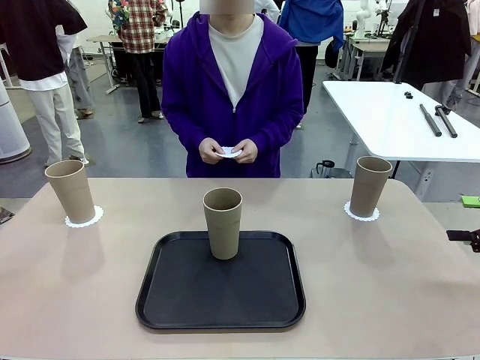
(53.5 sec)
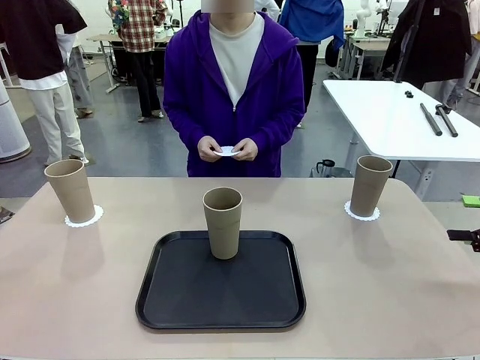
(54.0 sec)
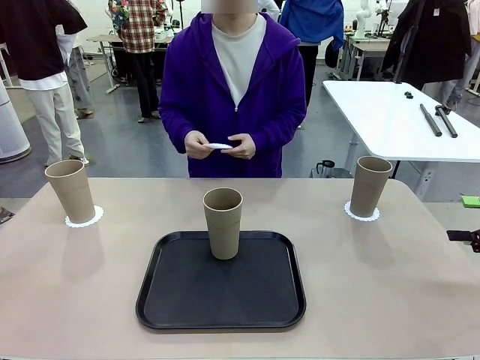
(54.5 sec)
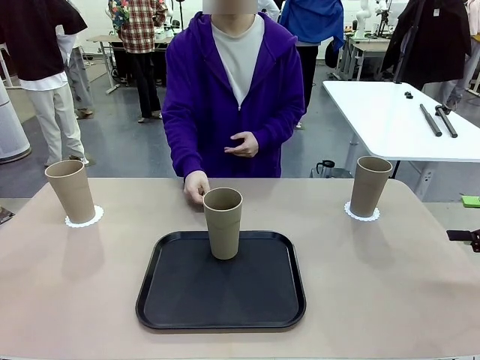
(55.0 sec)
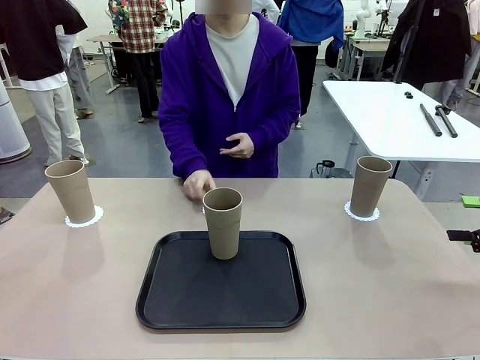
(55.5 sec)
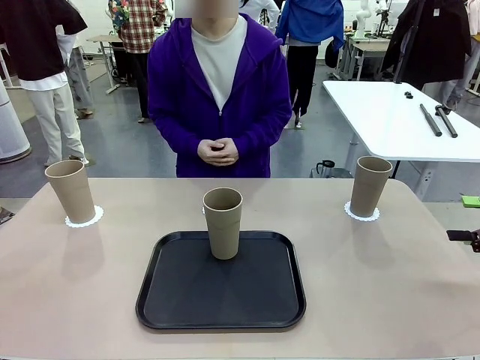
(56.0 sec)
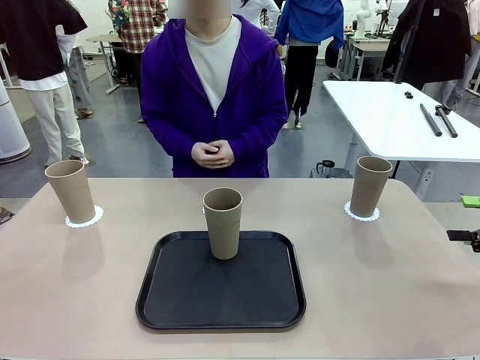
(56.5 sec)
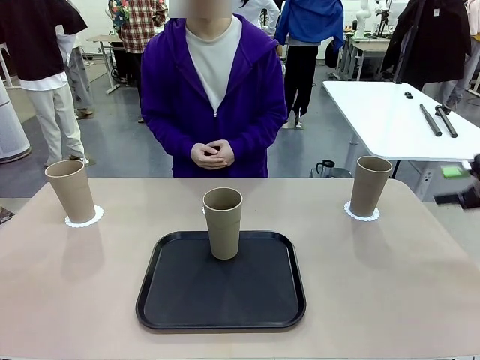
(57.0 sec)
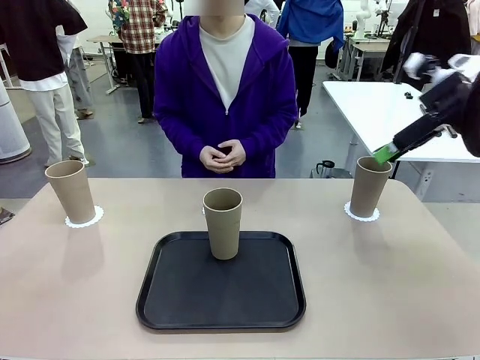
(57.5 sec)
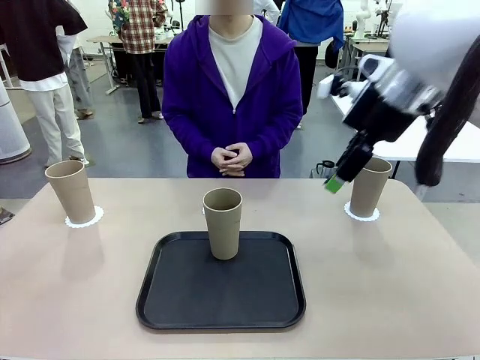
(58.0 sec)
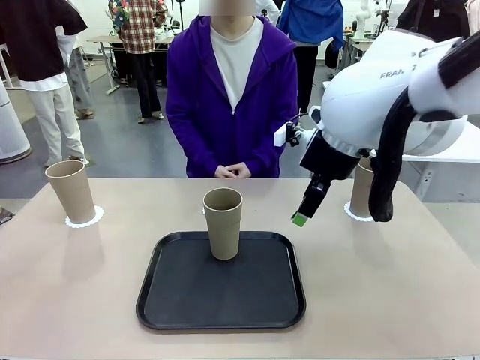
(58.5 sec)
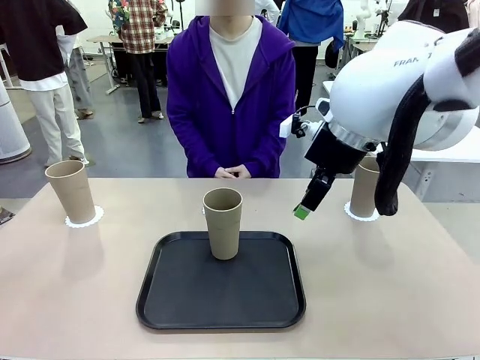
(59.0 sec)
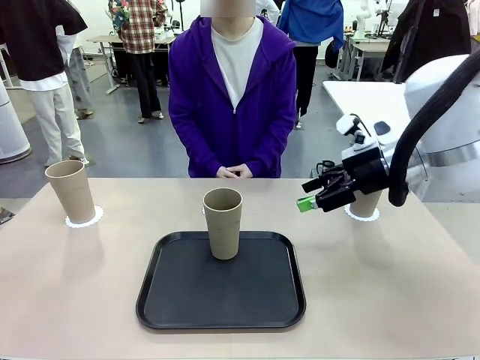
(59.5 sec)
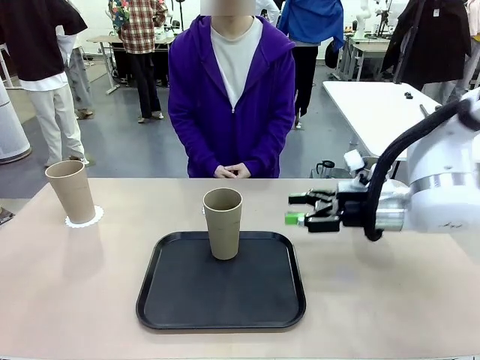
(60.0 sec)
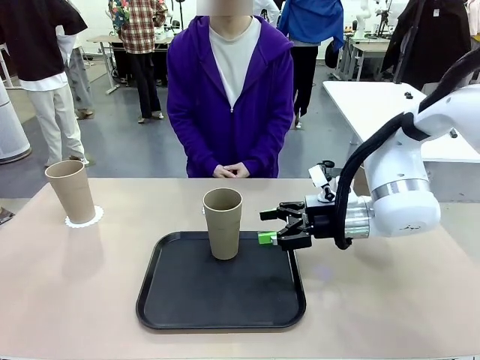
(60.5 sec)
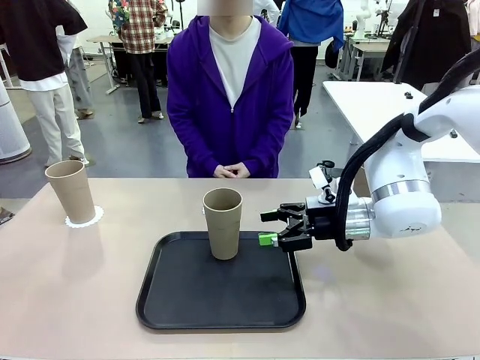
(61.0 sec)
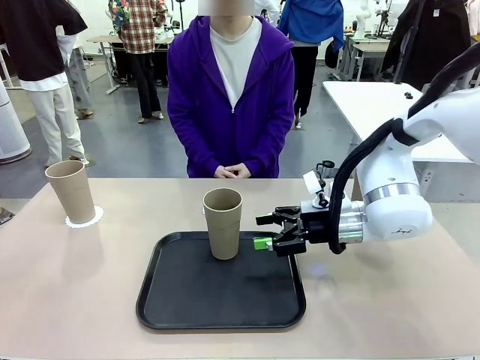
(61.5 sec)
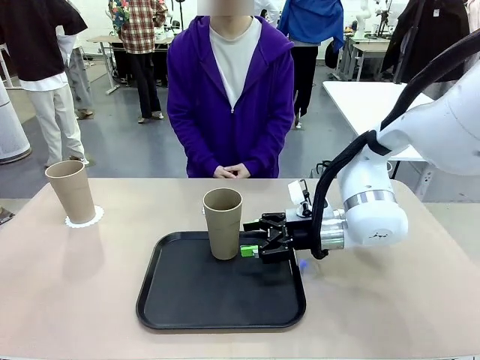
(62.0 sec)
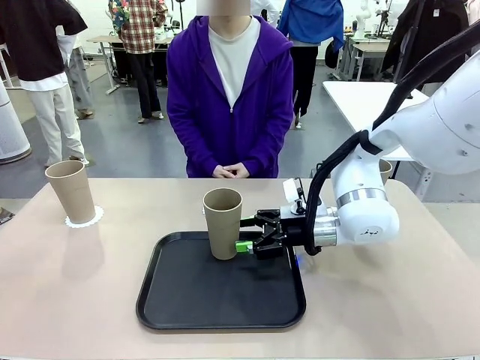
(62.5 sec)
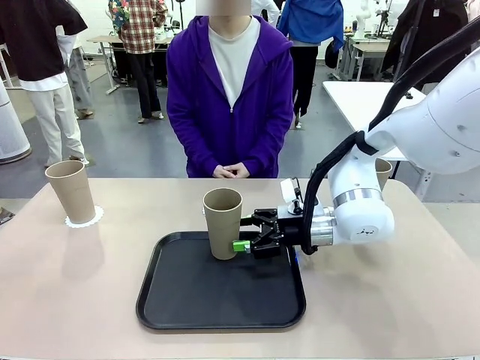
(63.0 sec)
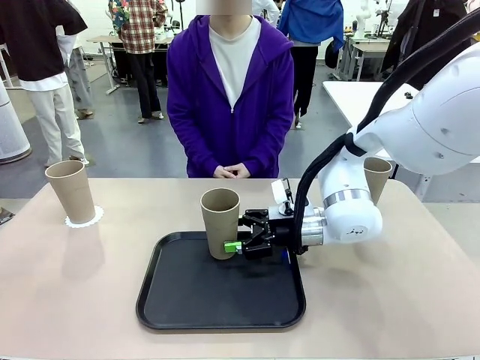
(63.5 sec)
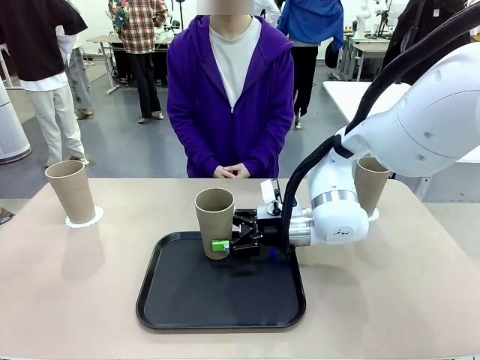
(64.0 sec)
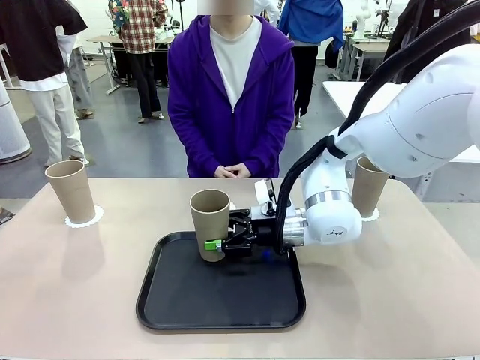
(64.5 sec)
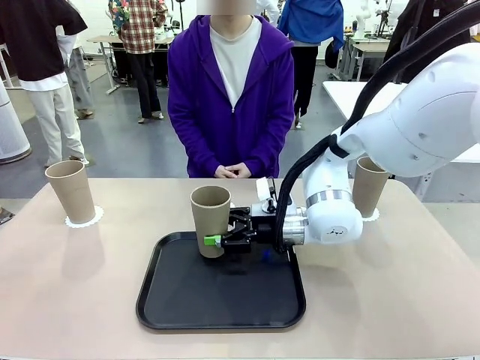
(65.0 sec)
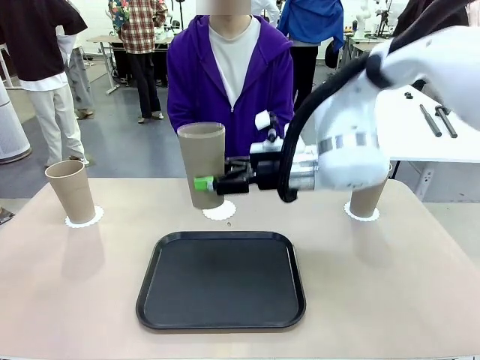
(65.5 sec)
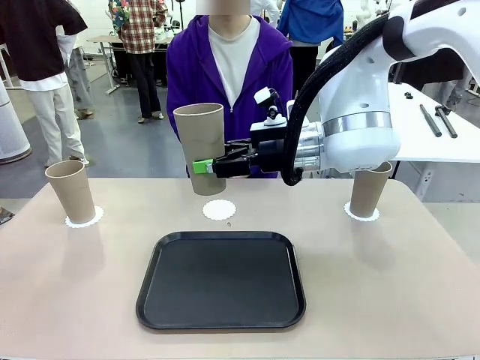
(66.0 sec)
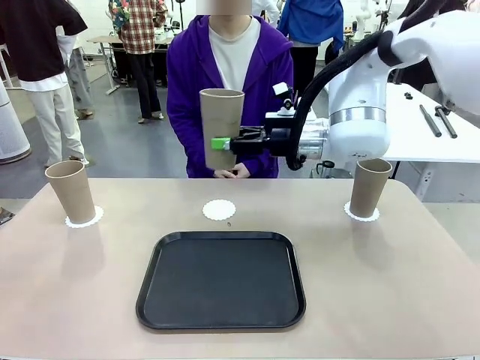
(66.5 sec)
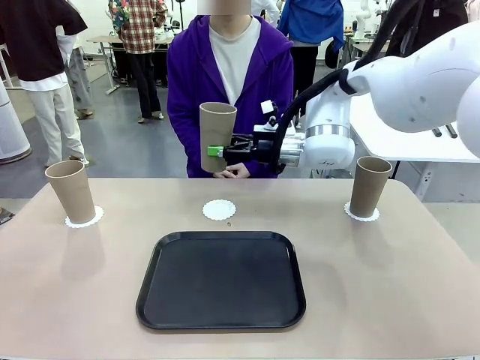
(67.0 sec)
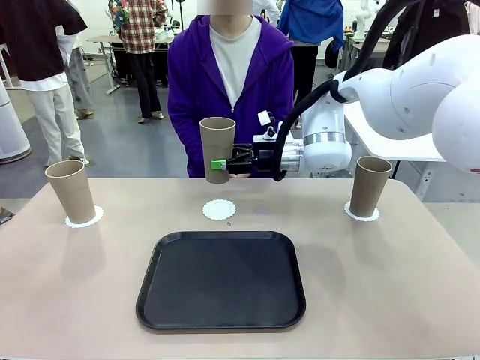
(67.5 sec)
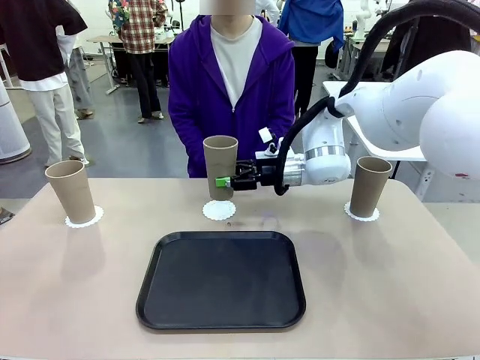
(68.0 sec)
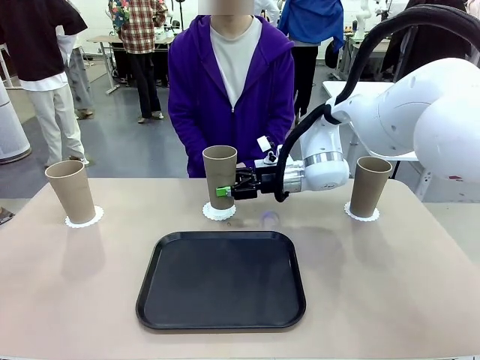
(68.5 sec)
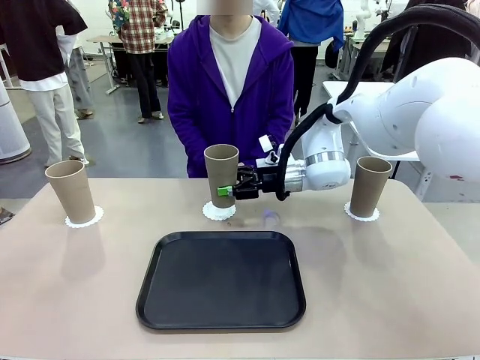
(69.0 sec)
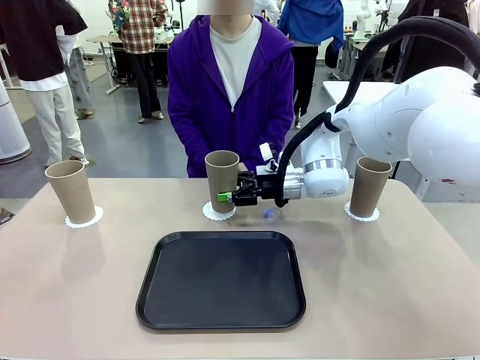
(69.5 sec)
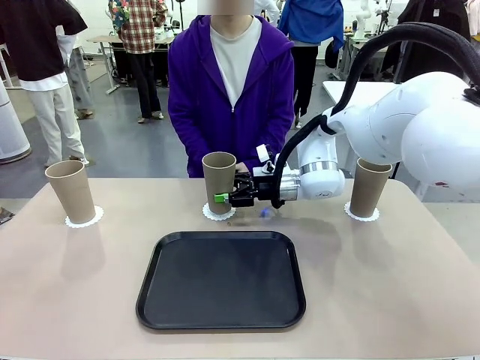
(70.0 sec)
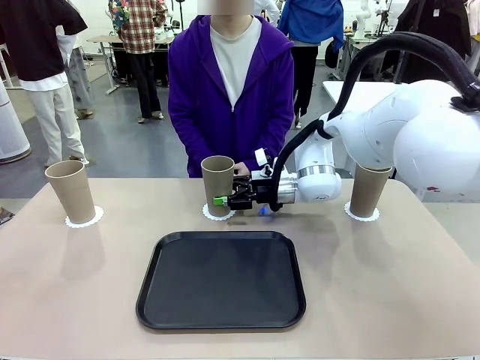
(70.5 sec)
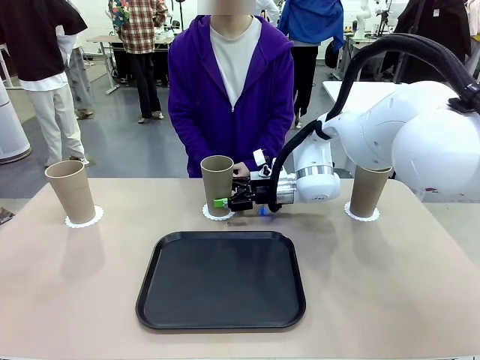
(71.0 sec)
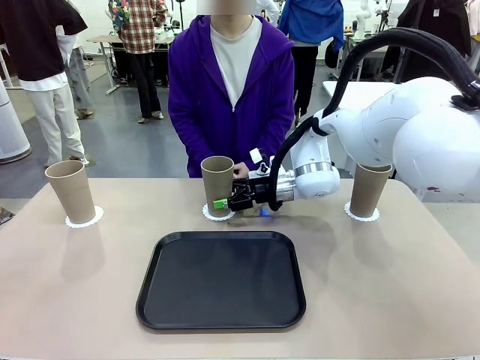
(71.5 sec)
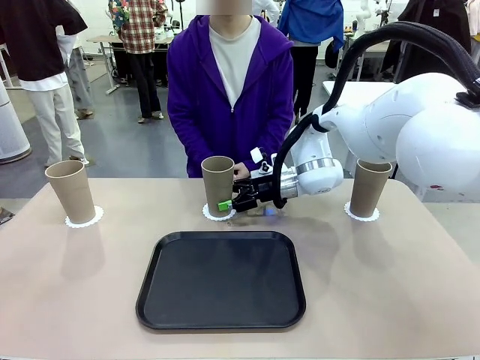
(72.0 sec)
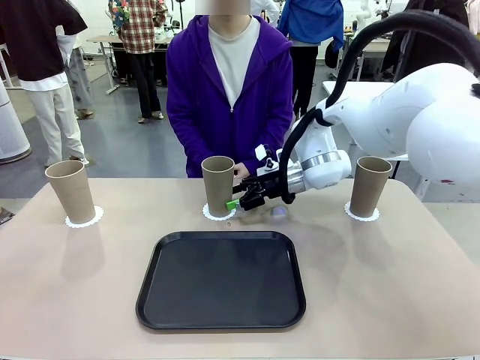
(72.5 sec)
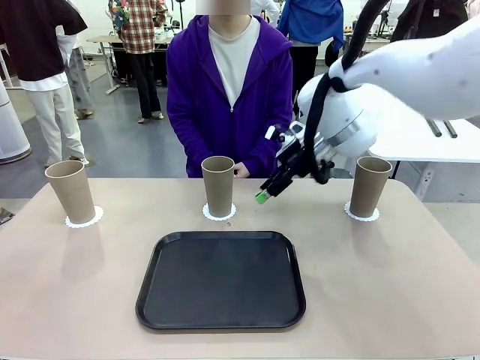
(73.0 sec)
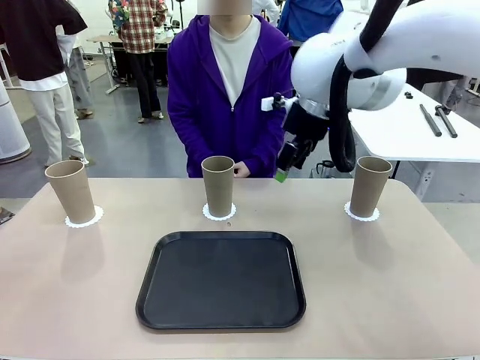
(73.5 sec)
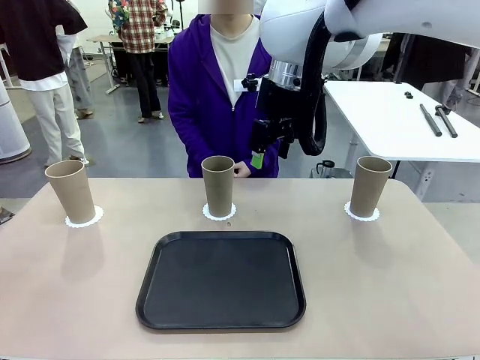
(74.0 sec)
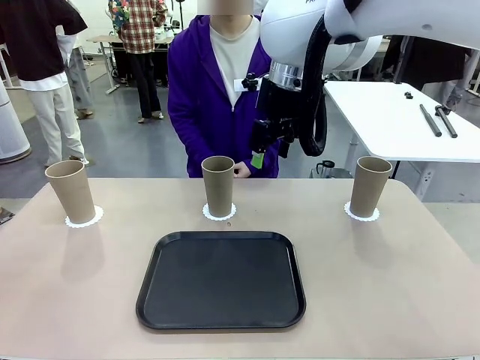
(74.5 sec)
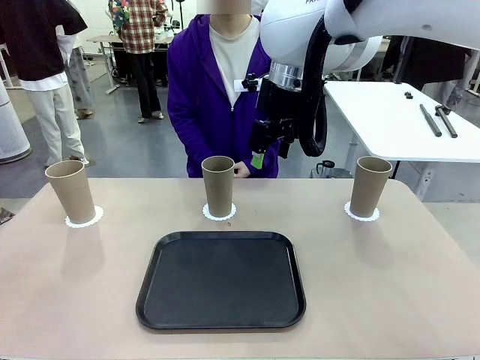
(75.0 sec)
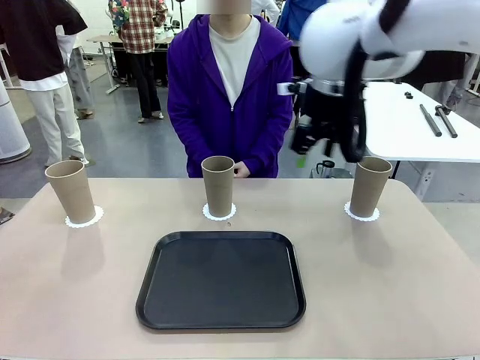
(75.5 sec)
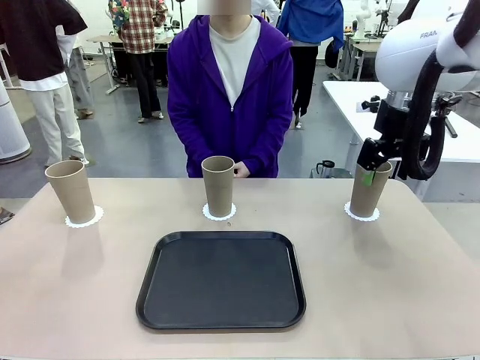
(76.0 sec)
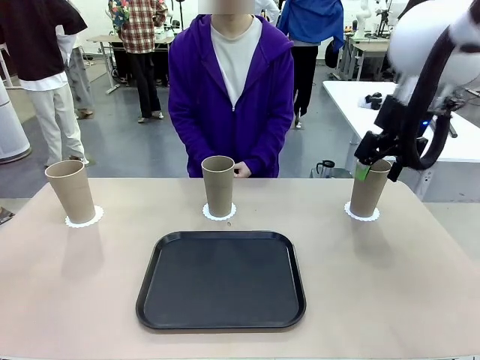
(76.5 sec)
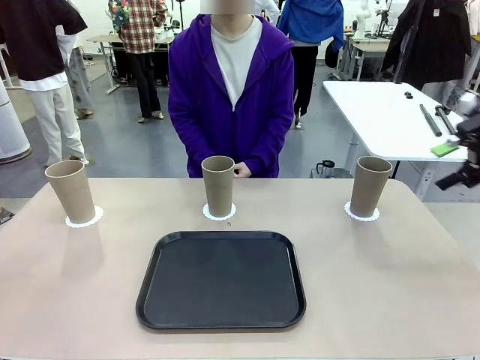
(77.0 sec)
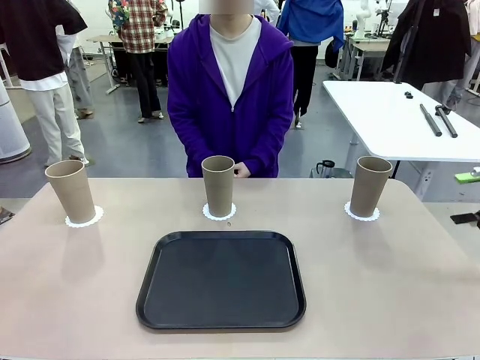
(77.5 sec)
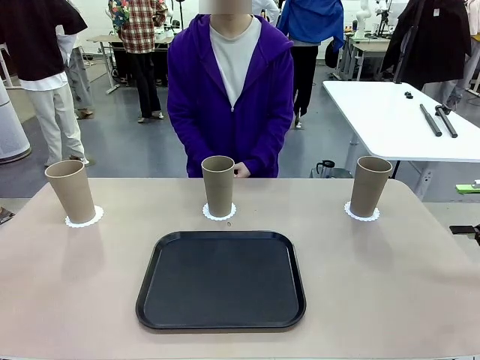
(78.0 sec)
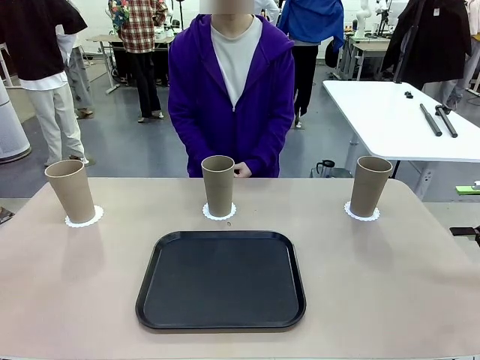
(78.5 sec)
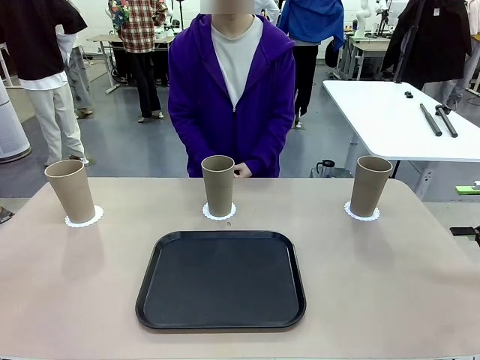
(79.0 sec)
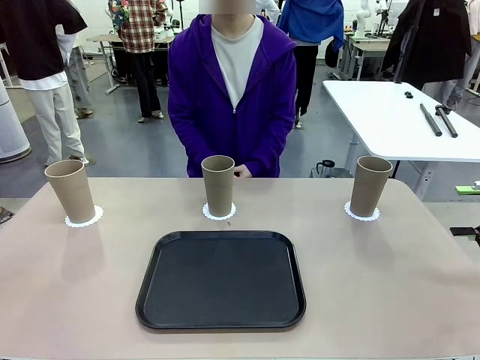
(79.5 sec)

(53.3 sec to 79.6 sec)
Task: Place coasters on the table and set cups on them.
Robot: Take one Reusable plastic cup from the Flat Tray and place it on a coaster set by the human.
Person: Place one coaster in the only remaining area.
